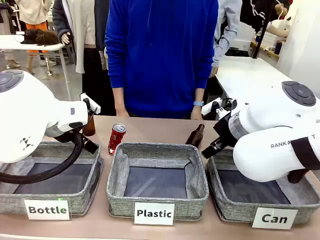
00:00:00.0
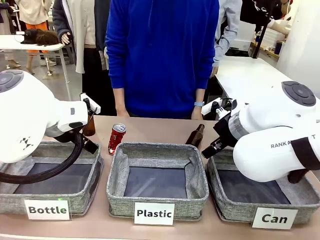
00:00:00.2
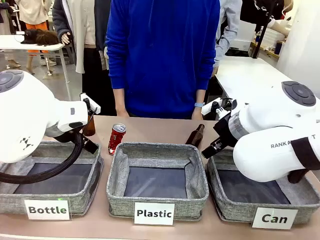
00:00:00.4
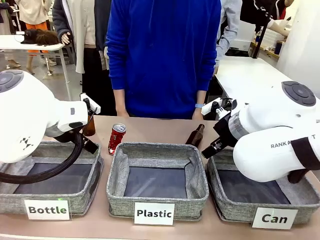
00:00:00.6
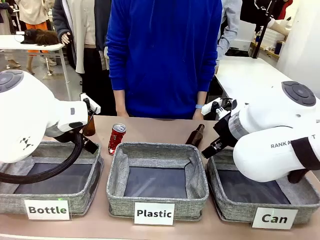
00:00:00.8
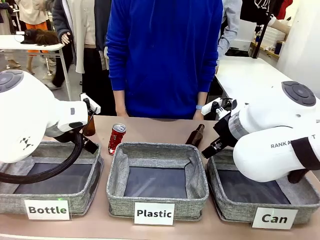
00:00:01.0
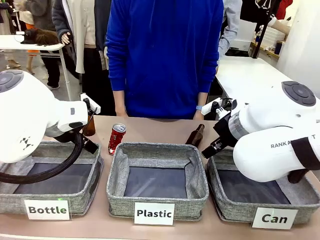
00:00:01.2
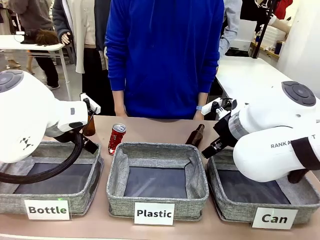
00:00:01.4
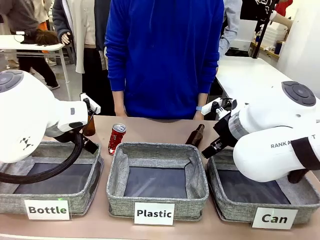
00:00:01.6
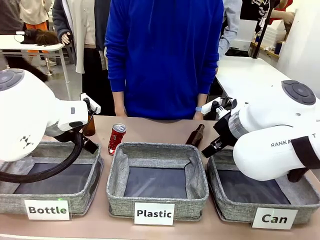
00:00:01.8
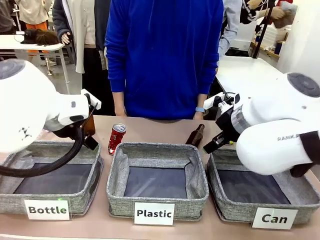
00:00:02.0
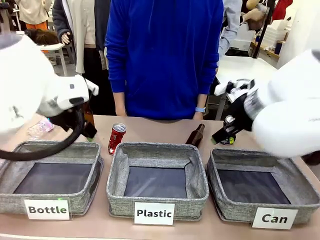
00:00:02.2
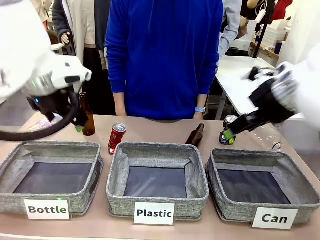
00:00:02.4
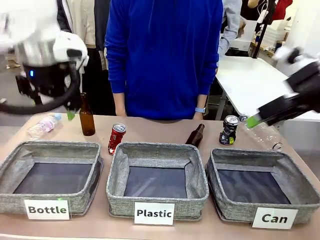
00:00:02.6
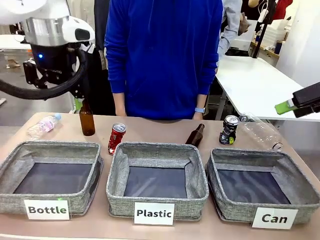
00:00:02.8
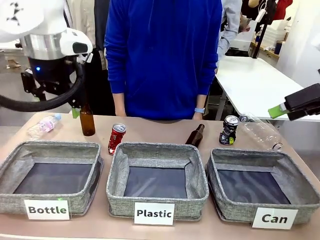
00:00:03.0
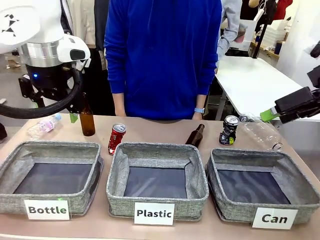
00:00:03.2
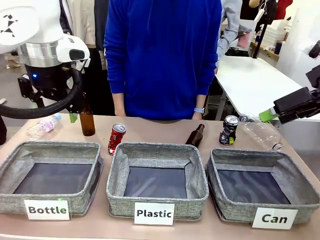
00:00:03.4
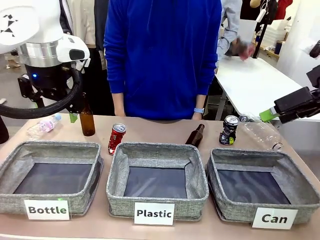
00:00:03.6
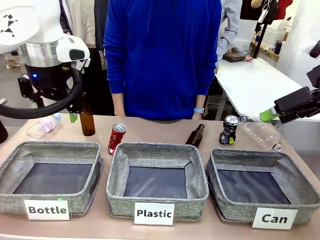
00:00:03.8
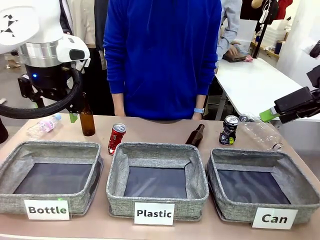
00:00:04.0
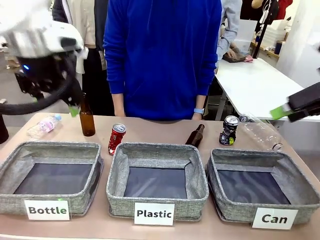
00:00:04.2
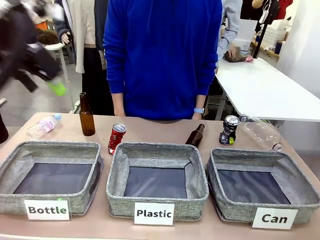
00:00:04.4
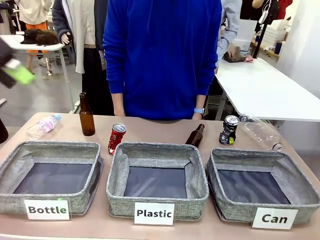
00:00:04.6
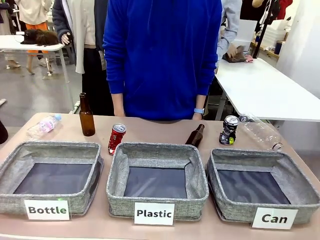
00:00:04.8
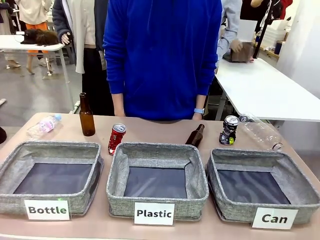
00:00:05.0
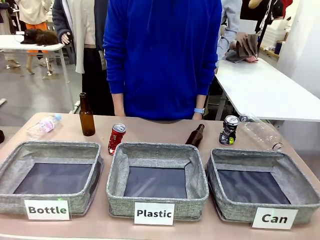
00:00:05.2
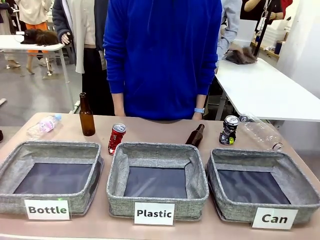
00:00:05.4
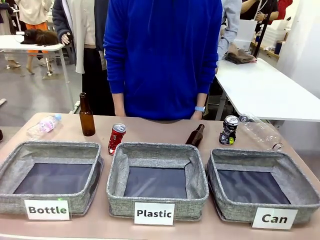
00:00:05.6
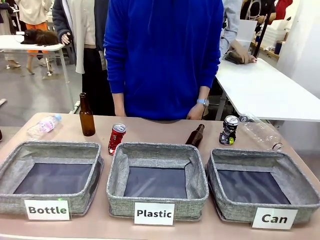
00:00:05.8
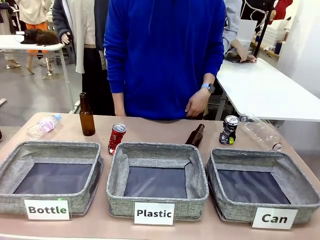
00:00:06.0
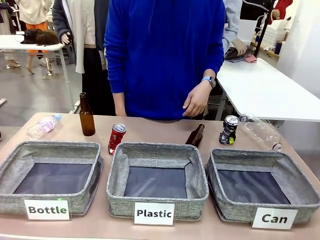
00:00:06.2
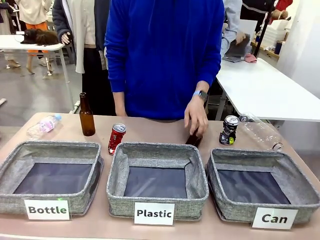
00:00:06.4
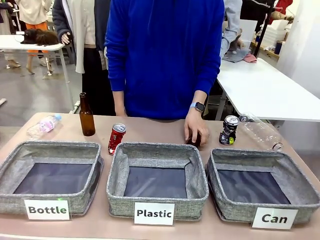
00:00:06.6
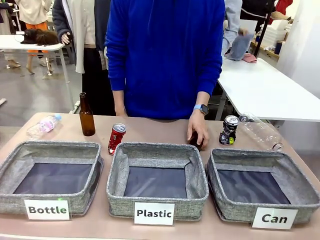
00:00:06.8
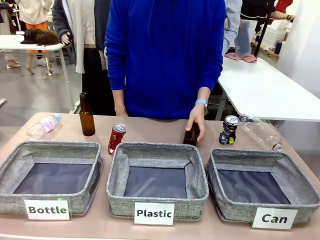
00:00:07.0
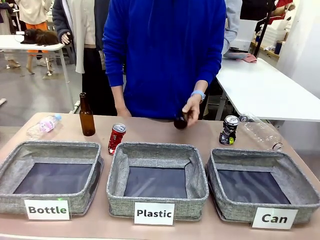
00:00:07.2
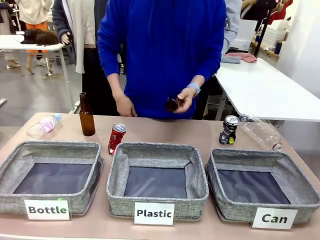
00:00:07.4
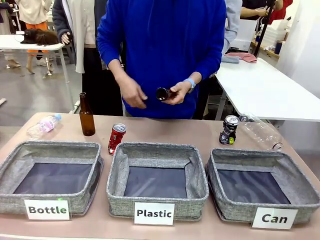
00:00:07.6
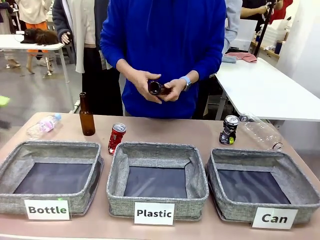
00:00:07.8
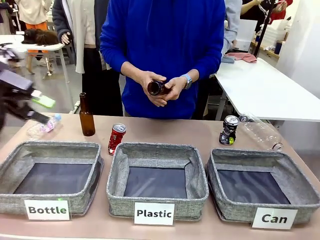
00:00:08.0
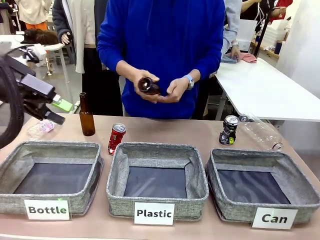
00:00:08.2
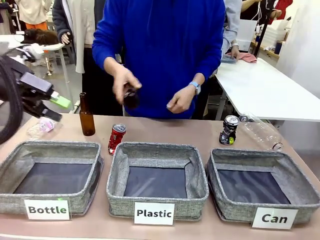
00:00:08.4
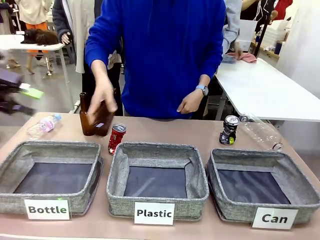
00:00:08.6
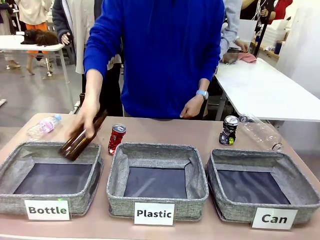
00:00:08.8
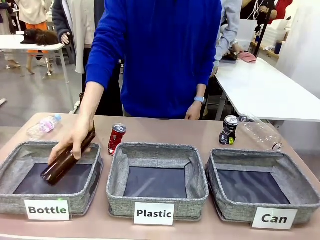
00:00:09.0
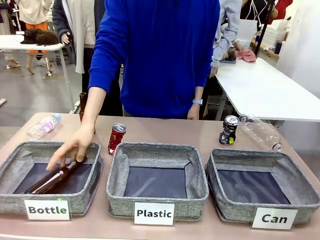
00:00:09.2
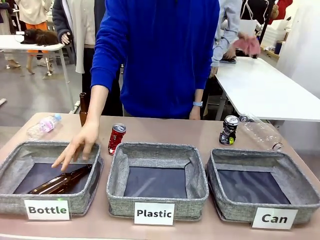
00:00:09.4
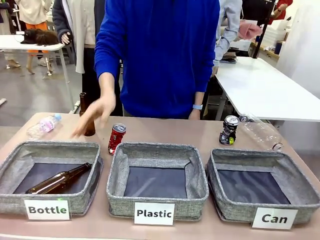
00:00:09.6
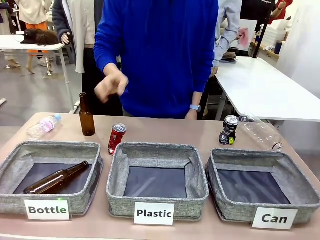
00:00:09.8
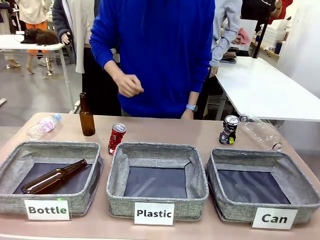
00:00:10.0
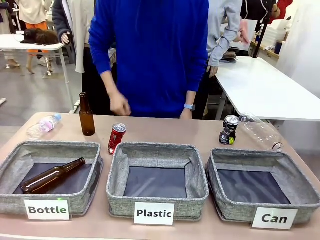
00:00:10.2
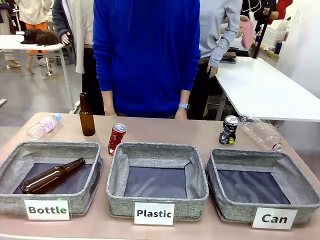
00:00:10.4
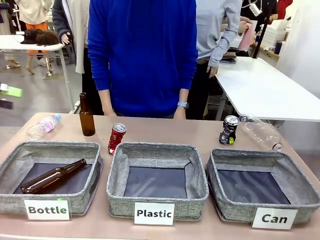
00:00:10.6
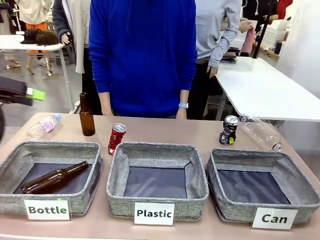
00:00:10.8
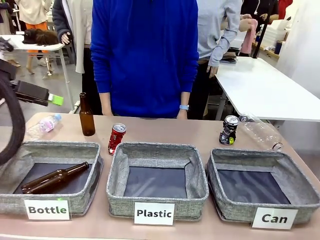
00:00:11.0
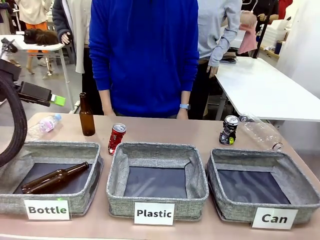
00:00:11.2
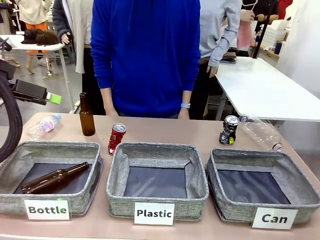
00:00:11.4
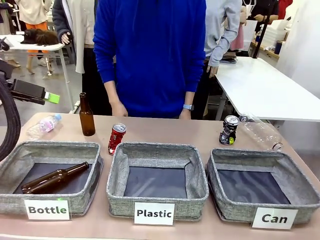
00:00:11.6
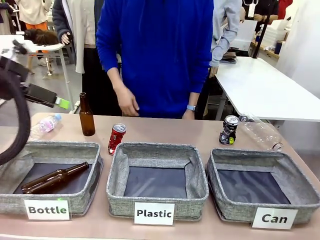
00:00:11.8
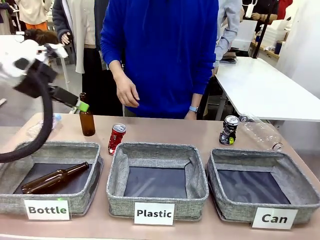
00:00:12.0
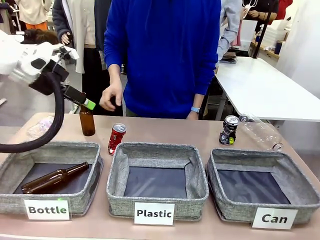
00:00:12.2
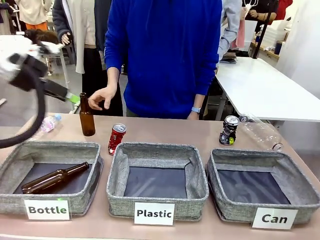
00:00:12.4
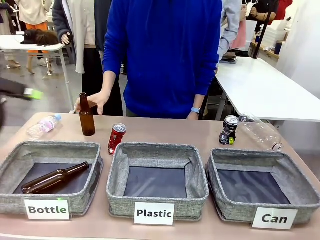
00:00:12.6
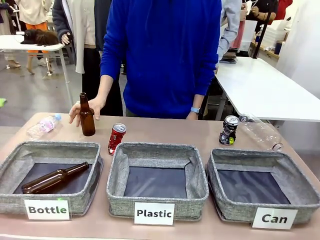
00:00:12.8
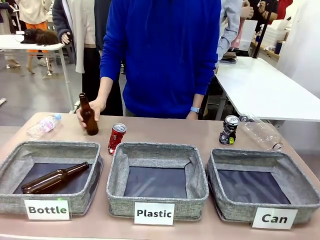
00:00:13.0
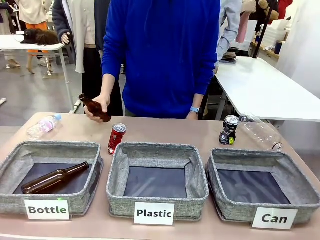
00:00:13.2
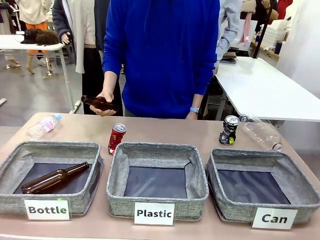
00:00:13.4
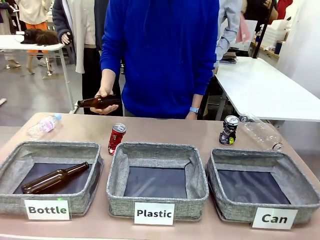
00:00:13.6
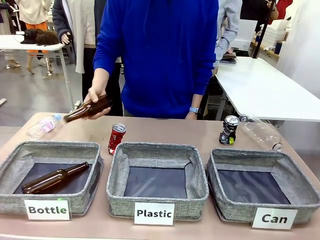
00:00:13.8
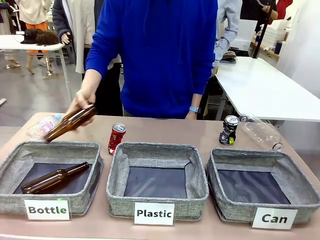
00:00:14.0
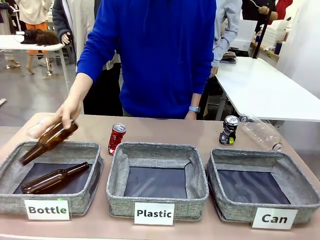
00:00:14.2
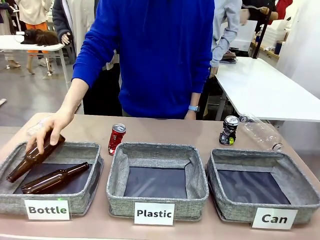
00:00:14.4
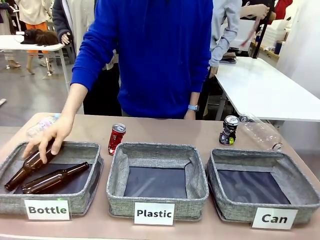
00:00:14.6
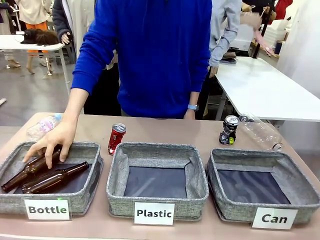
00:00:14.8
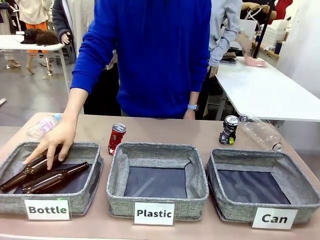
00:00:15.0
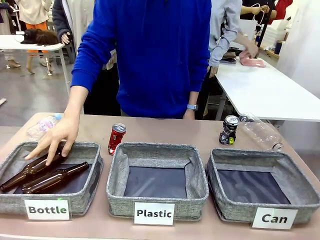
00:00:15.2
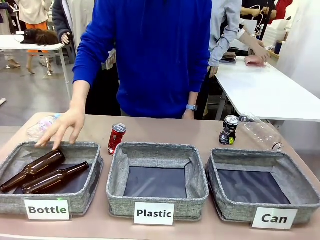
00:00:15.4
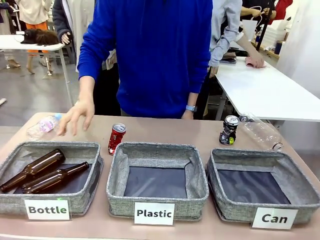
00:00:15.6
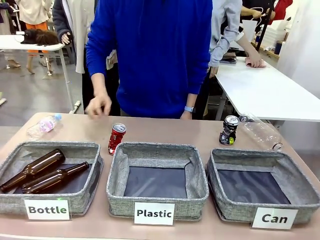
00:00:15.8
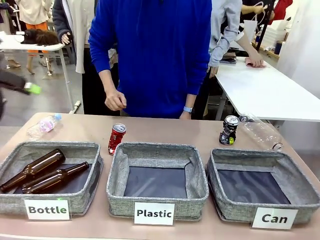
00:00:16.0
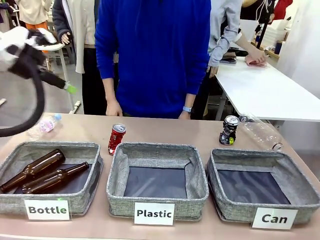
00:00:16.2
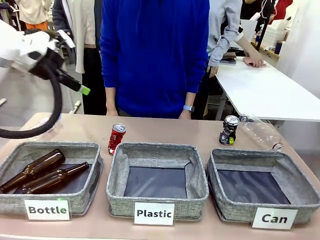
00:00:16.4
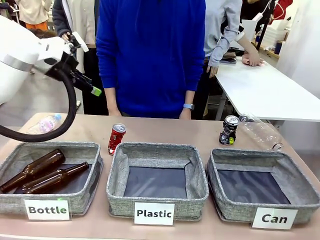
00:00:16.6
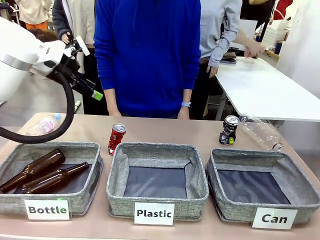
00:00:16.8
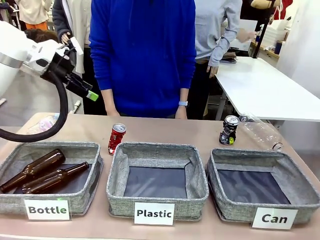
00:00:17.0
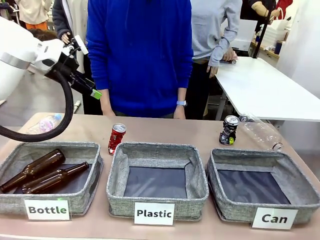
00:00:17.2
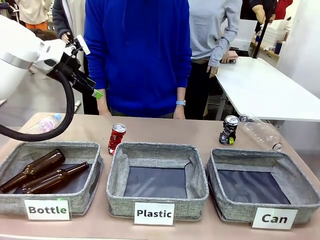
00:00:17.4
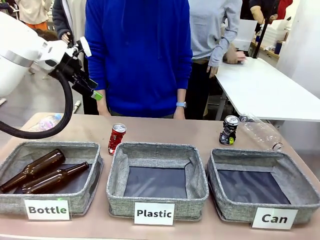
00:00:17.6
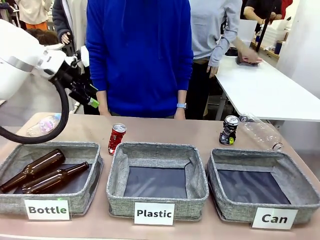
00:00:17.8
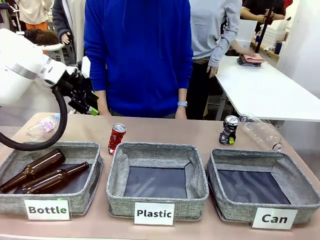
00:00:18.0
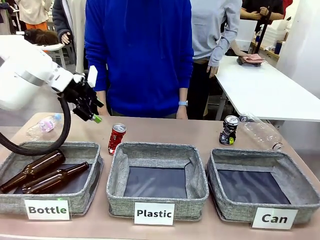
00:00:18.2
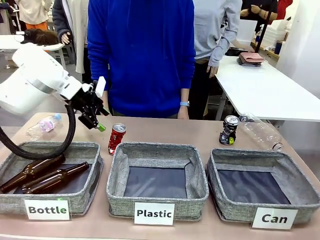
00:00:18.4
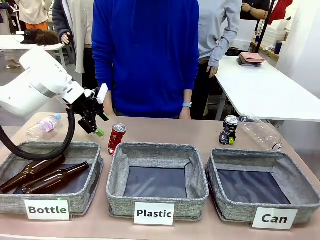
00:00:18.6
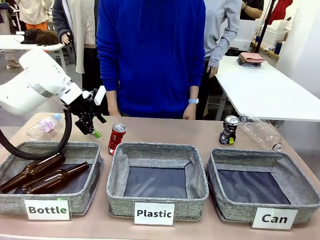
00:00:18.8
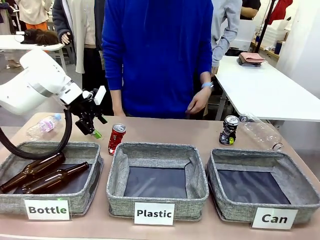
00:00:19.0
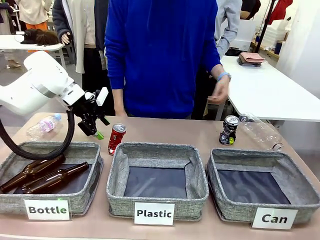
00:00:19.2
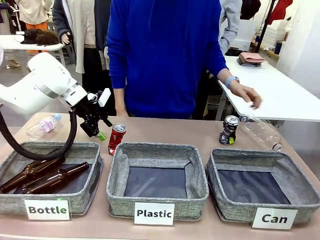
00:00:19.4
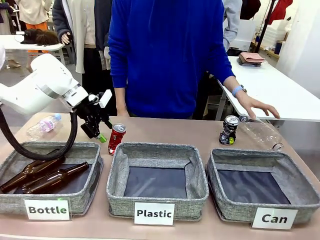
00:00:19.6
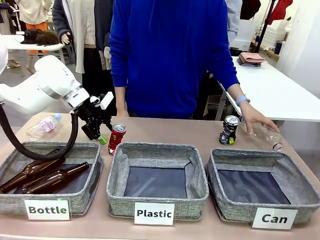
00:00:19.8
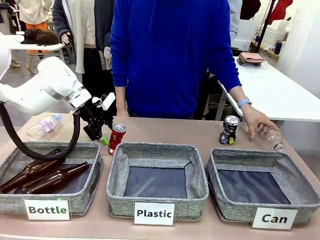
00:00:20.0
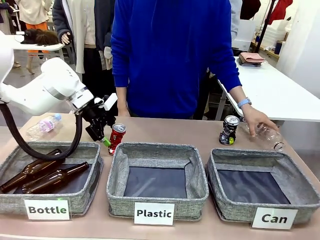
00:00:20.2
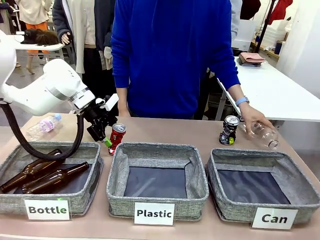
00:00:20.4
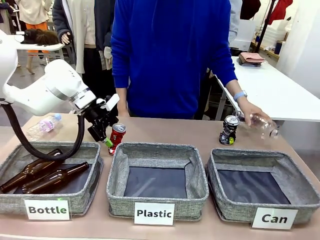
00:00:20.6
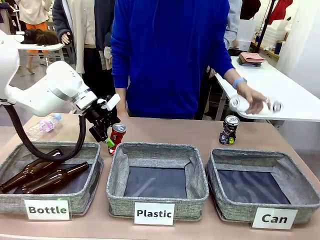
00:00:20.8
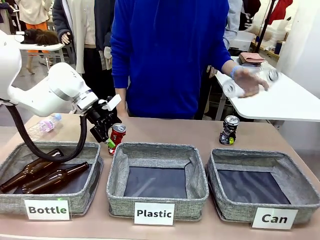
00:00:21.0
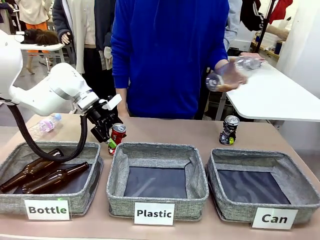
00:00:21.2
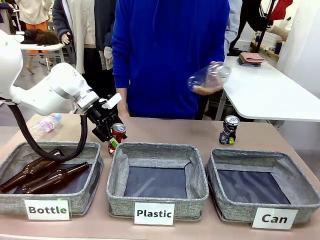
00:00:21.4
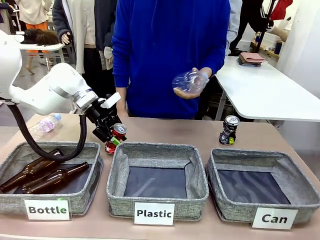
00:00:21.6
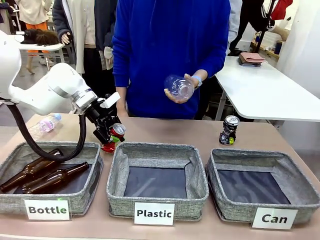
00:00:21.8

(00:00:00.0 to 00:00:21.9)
Task: Sort the can waste into the basket.
Robot: Pick up the can waste from the table and place it in the right Fabric basket.
